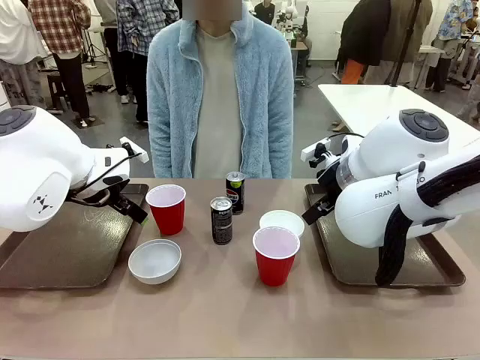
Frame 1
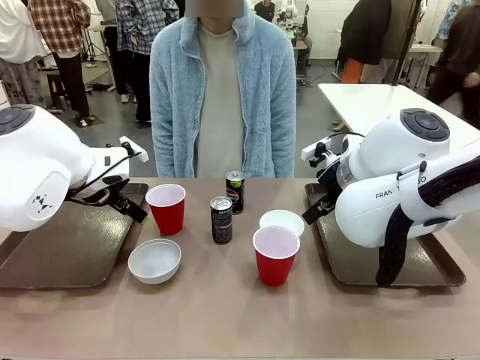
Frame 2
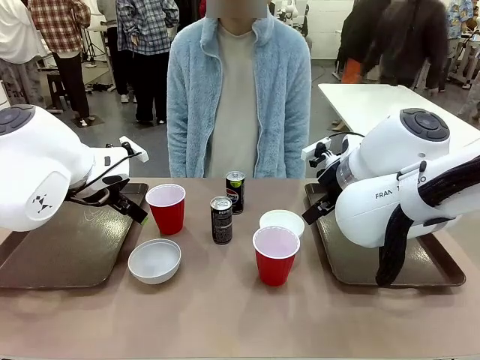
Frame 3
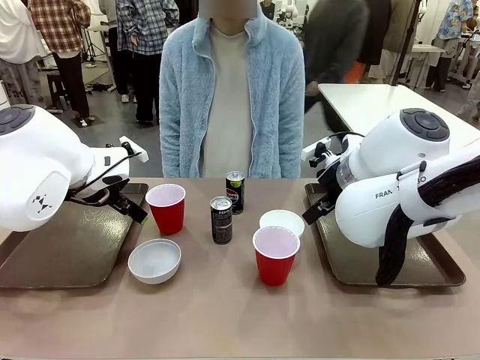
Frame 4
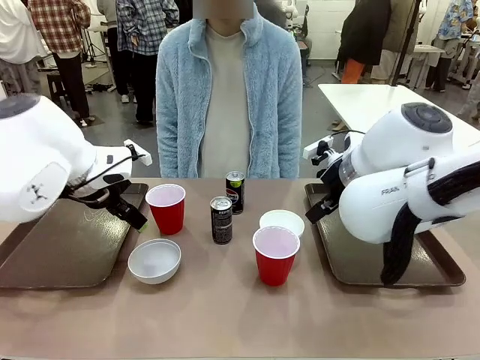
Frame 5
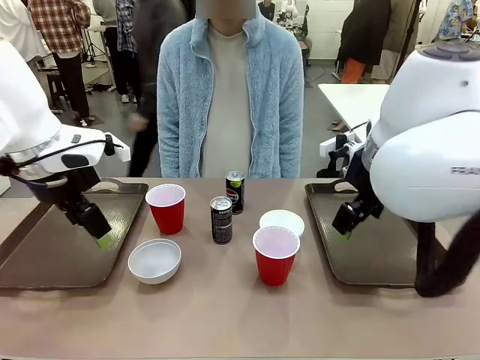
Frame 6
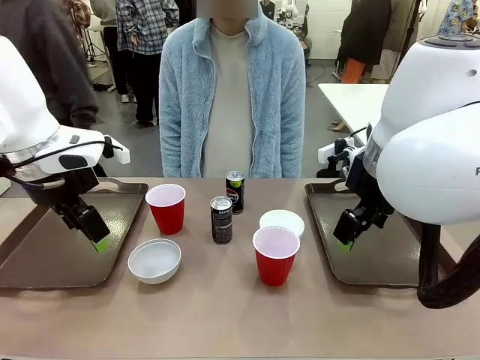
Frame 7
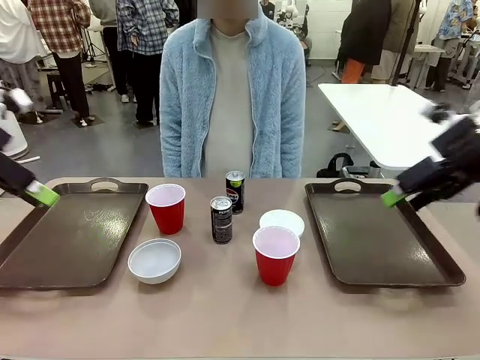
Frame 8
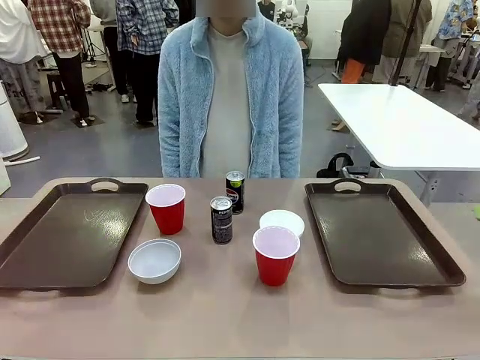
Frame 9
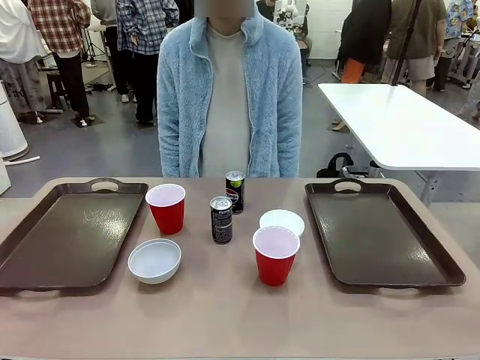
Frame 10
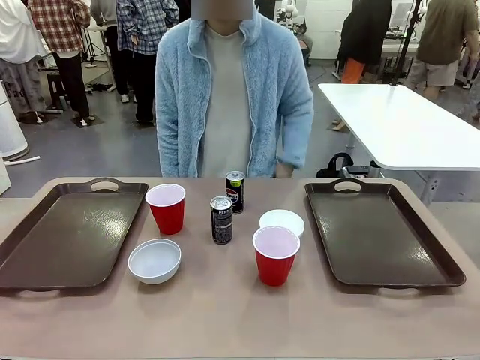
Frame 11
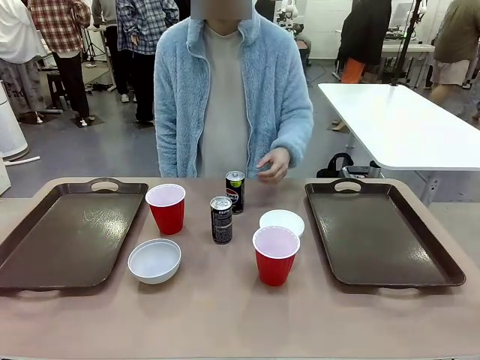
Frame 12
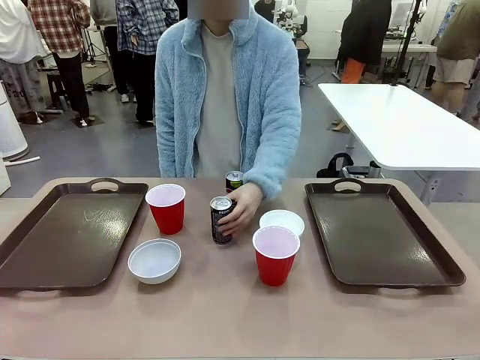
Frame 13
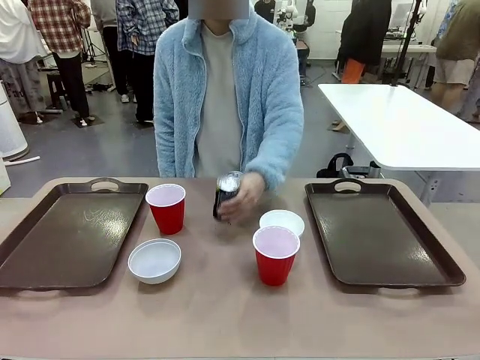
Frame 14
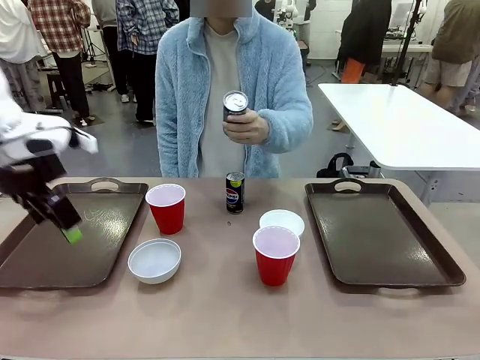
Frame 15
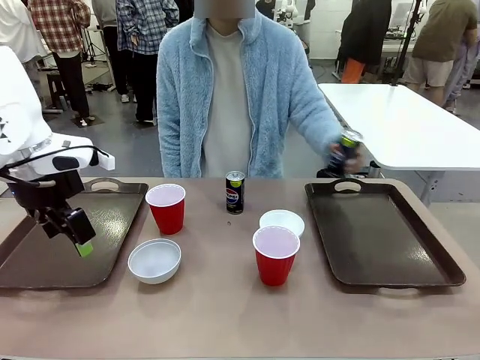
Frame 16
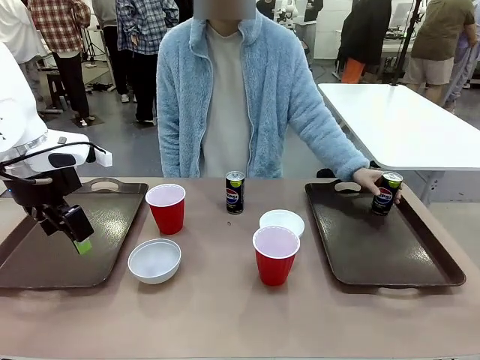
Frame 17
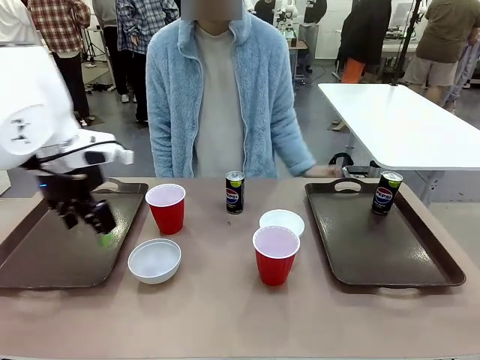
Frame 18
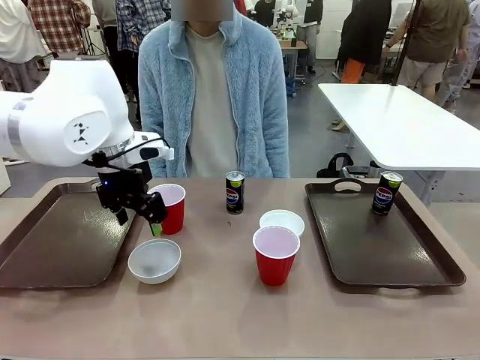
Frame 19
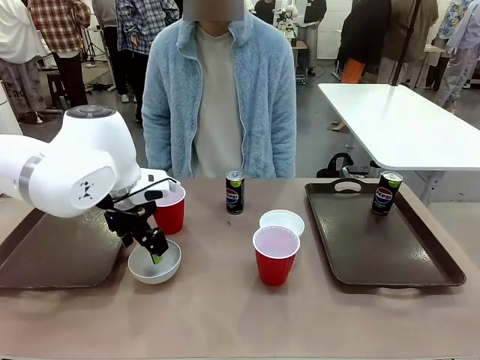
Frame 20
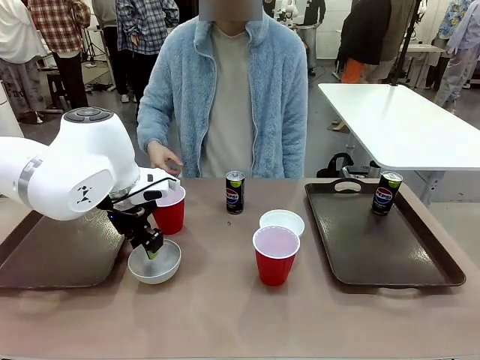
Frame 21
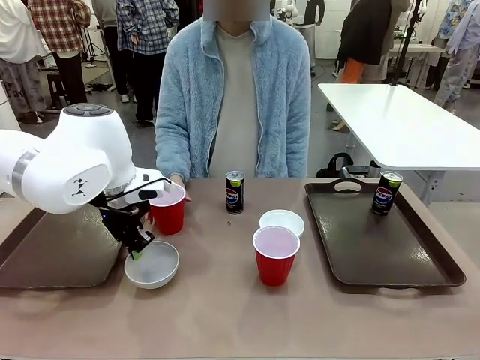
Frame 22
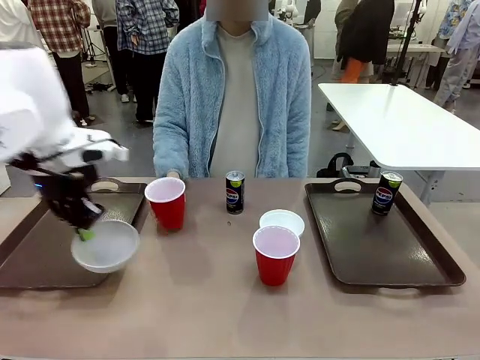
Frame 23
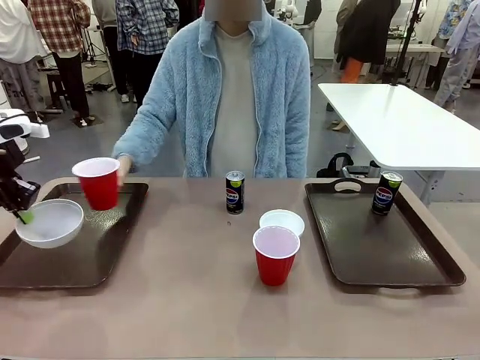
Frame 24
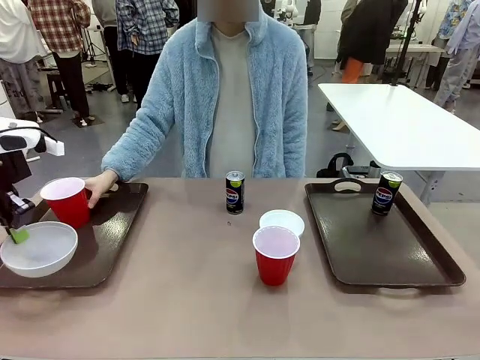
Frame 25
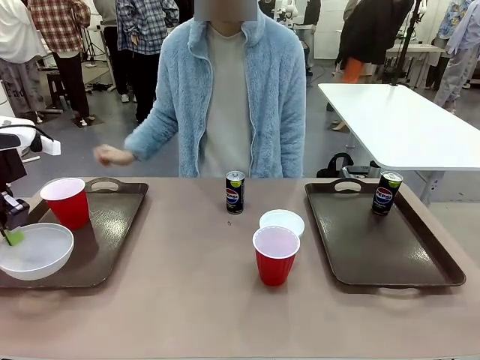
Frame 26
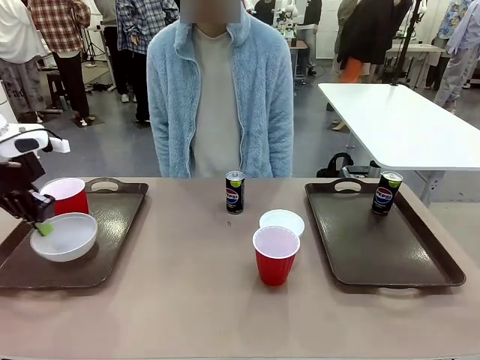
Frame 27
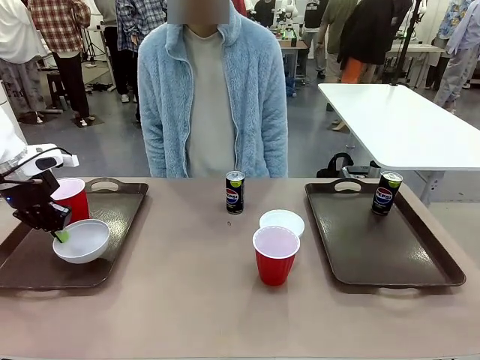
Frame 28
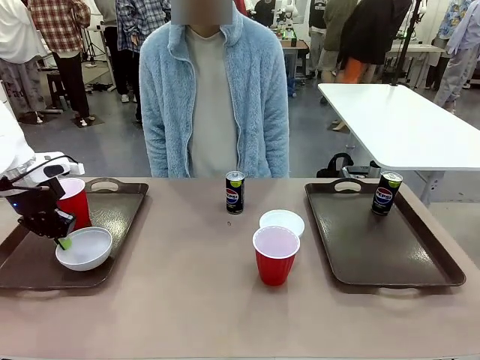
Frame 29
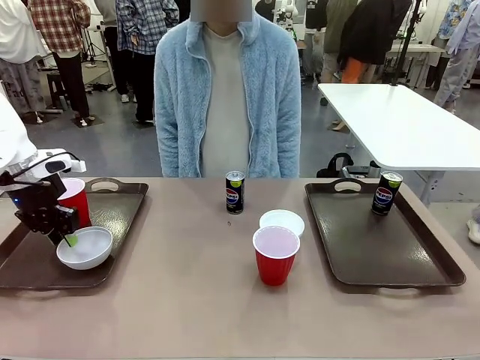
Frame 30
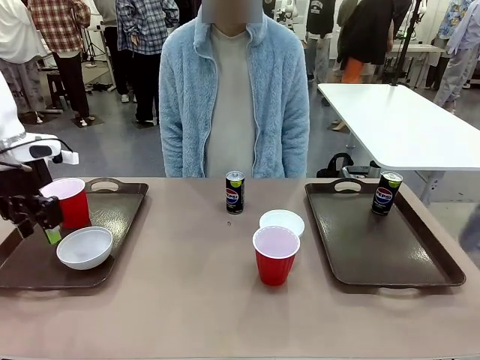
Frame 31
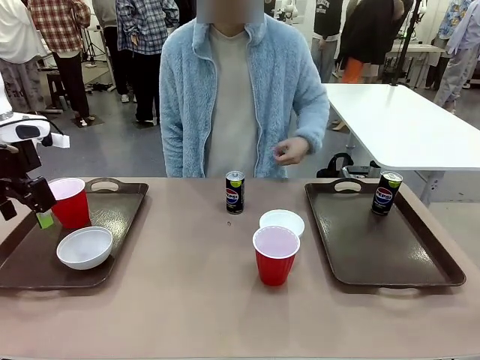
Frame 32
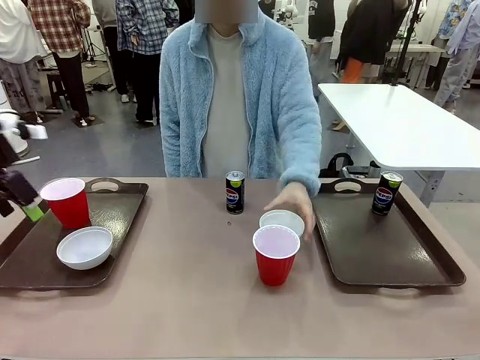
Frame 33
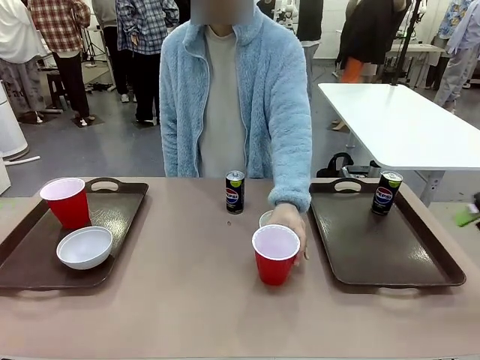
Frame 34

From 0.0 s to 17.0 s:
Task: Prepare tableware on both trays.
Robot: Pick up a Picnic Bowl from the table and place it on a Handle tray.
Person: Pick up a can or cup and place it on the tray.

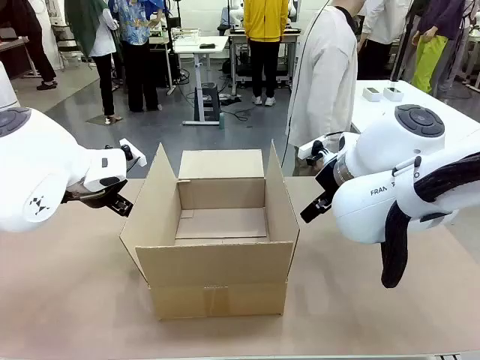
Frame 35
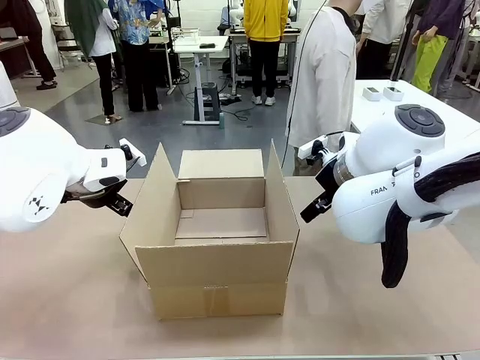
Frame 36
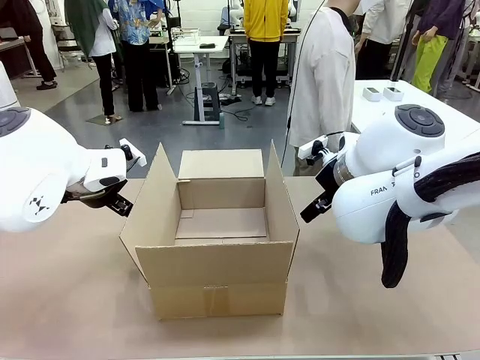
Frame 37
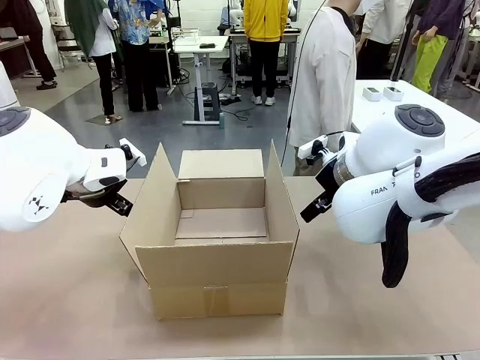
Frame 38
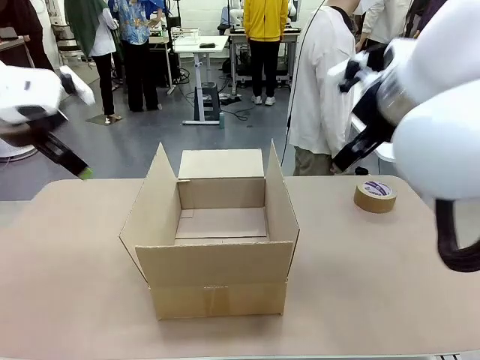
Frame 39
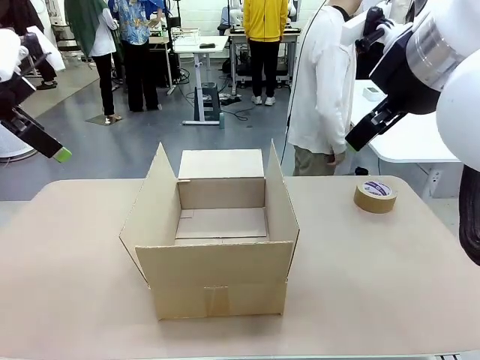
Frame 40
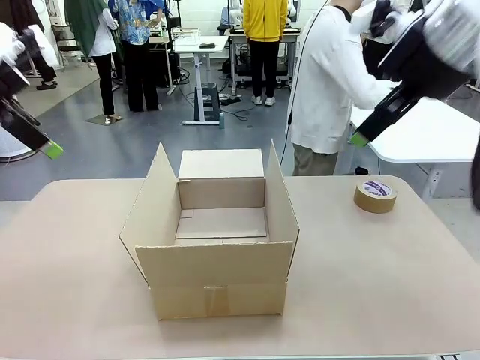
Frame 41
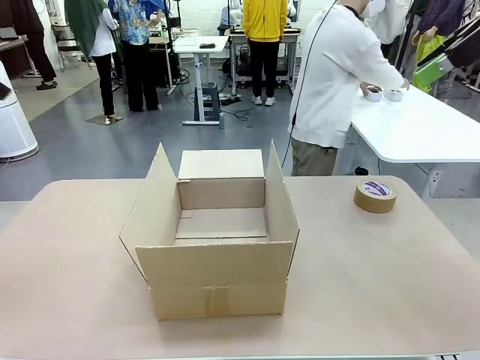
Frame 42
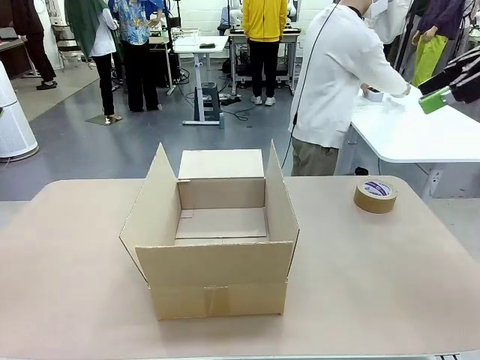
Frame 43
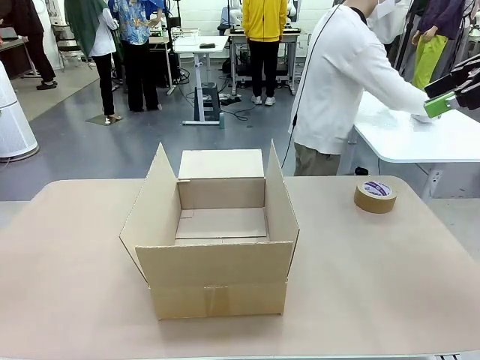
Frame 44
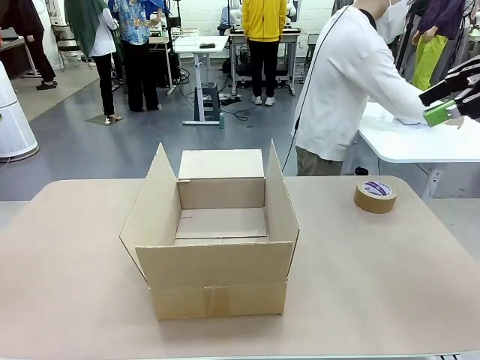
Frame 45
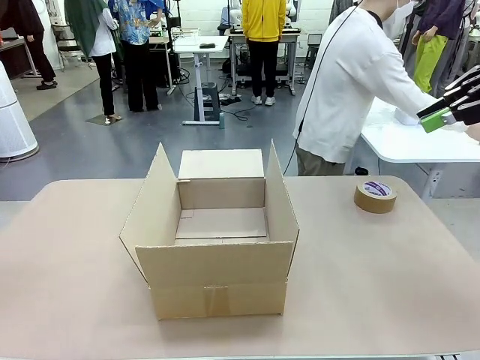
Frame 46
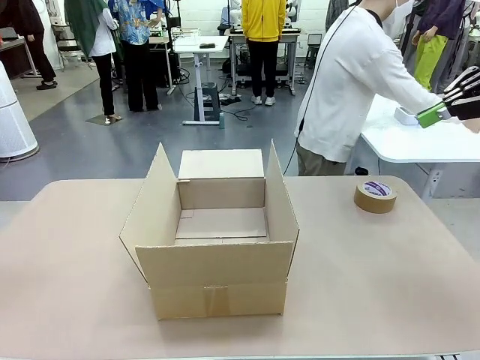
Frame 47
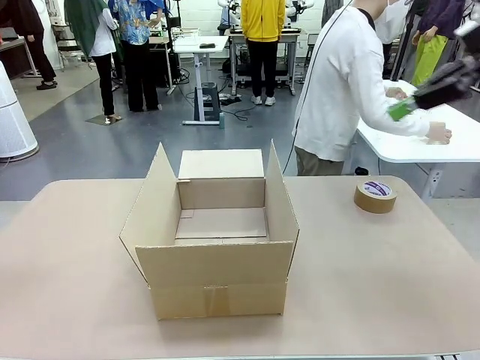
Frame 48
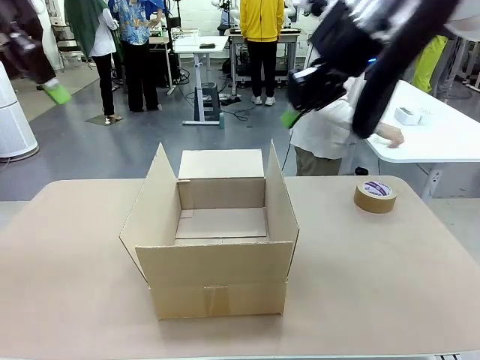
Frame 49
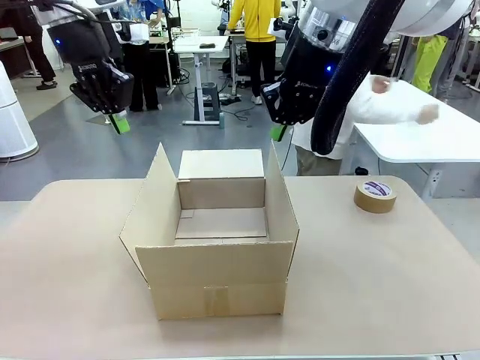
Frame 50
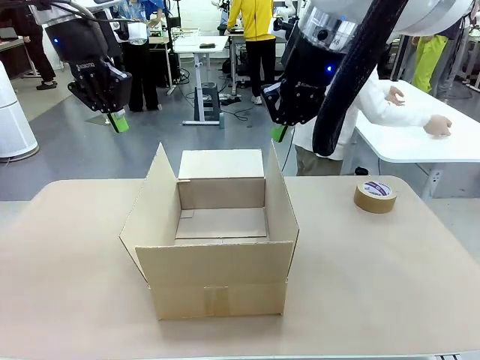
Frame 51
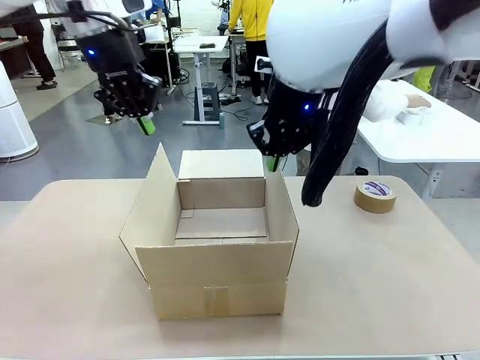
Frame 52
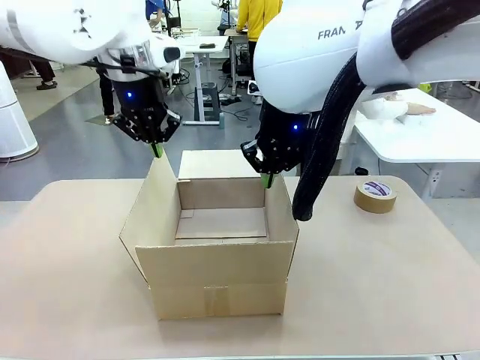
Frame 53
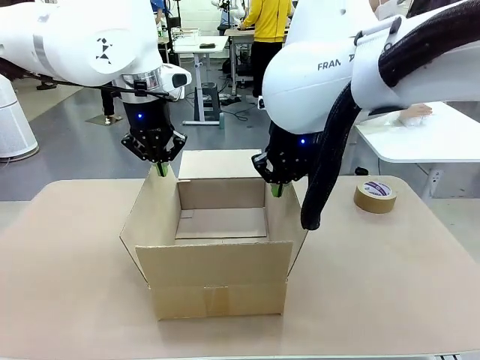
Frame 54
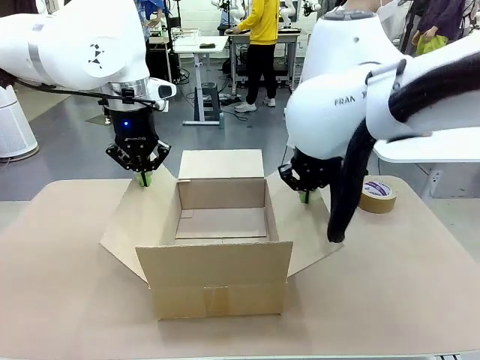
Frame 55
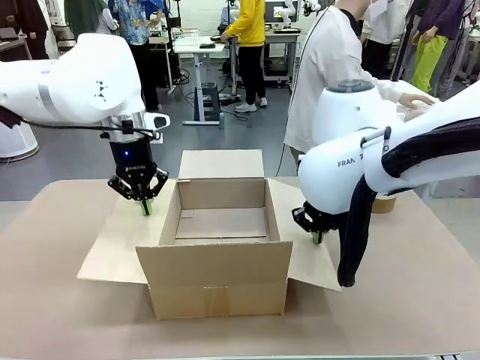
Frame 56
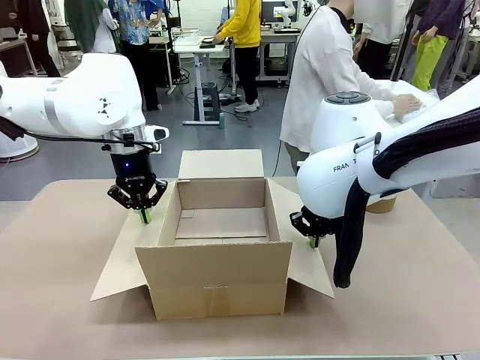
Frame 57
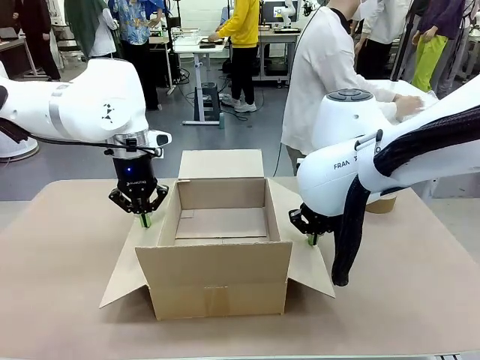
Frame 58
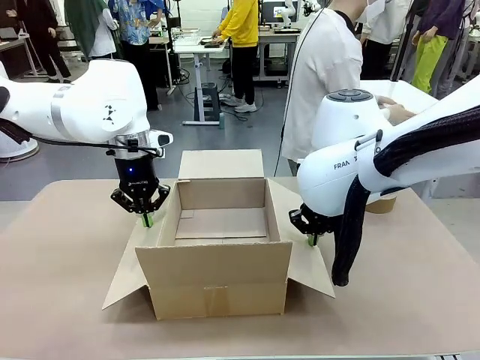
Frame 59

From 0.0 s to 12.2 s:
Task: Wrap the clocks to prevent damage.
Robot: Open the side flaps of the Package Box.
Person: Wrap the two Digital clocks with Bubble Wrap.
